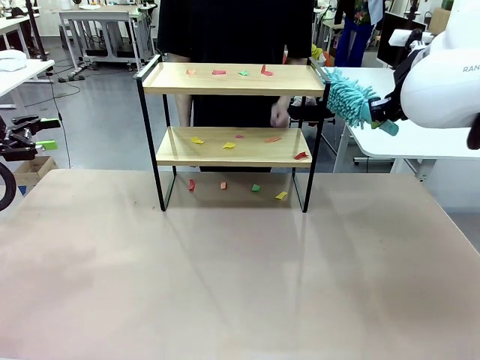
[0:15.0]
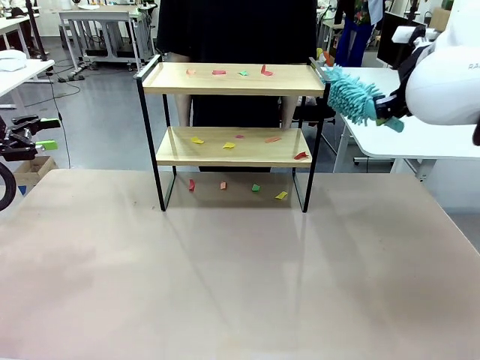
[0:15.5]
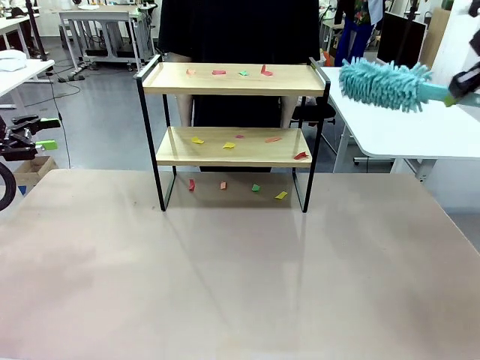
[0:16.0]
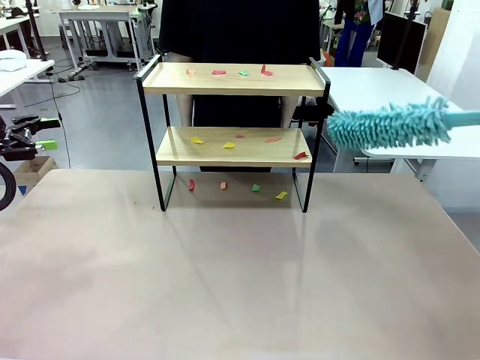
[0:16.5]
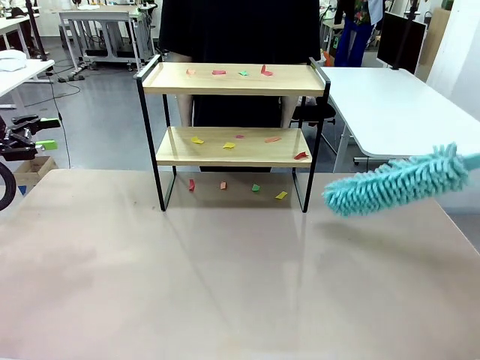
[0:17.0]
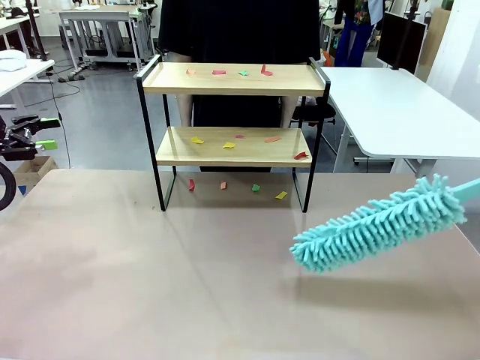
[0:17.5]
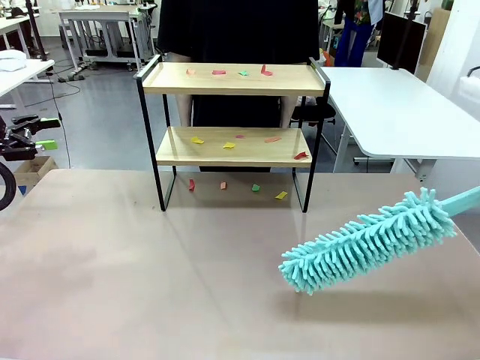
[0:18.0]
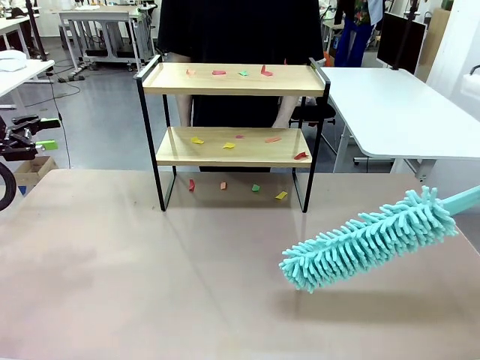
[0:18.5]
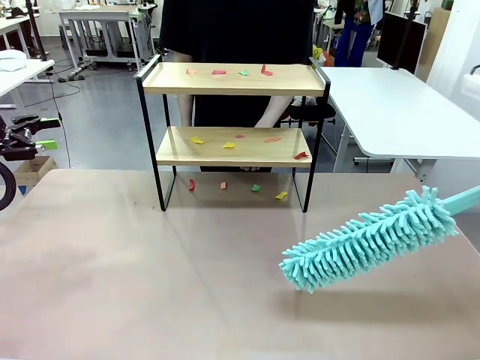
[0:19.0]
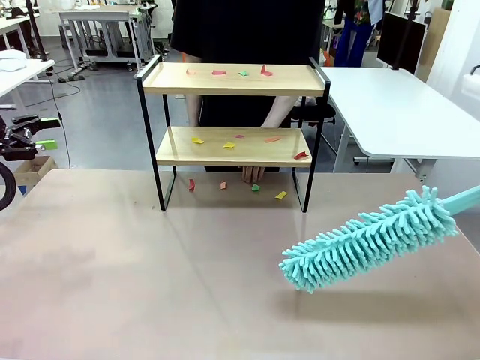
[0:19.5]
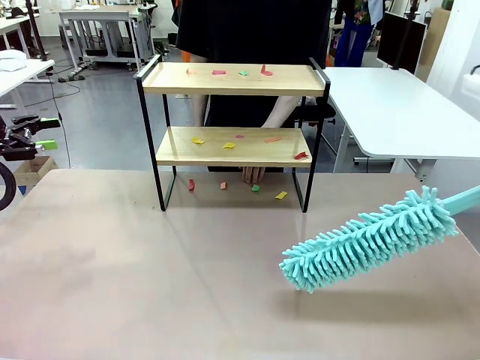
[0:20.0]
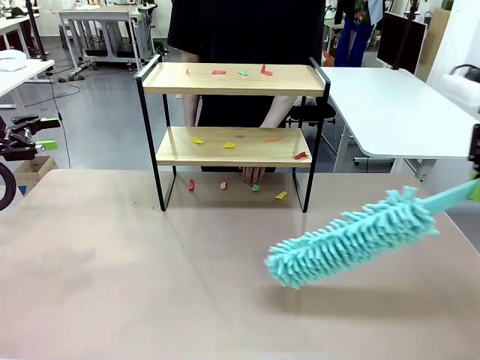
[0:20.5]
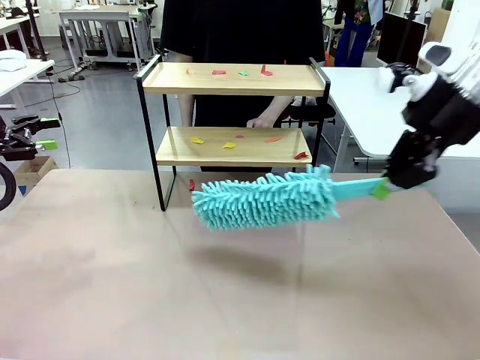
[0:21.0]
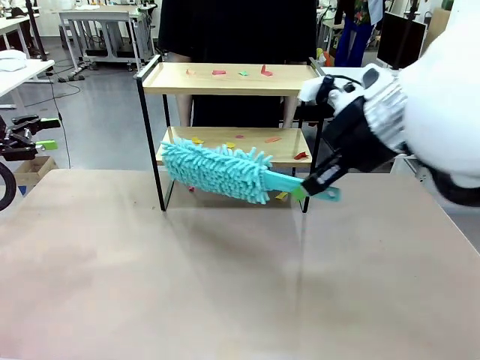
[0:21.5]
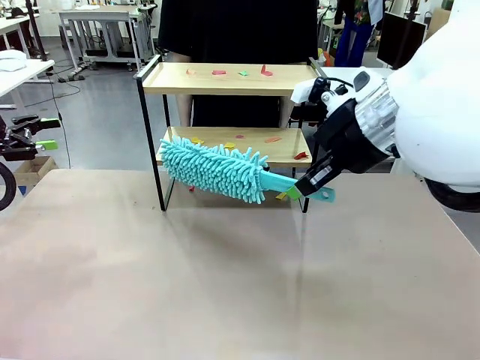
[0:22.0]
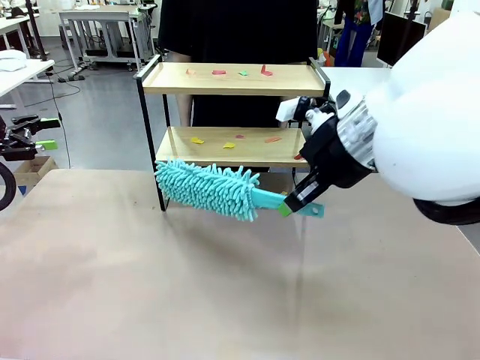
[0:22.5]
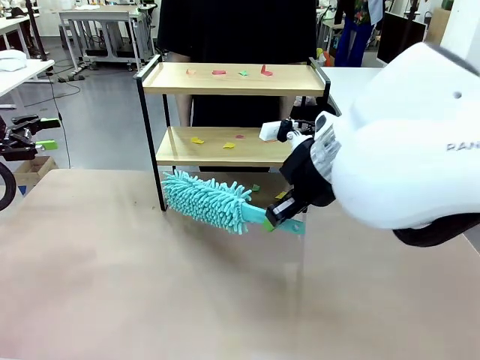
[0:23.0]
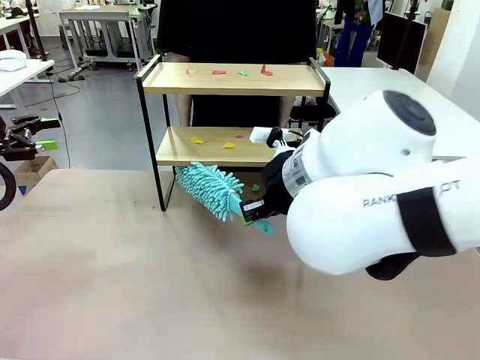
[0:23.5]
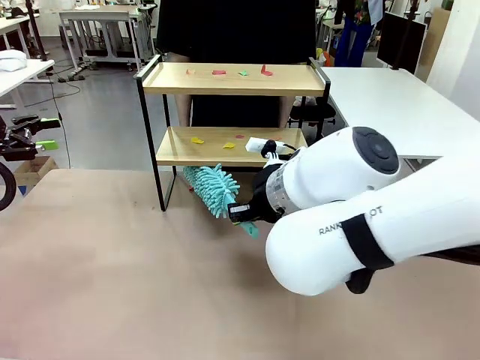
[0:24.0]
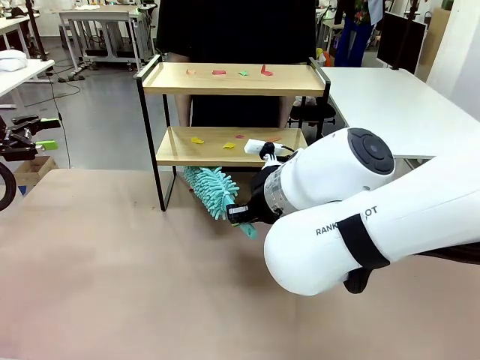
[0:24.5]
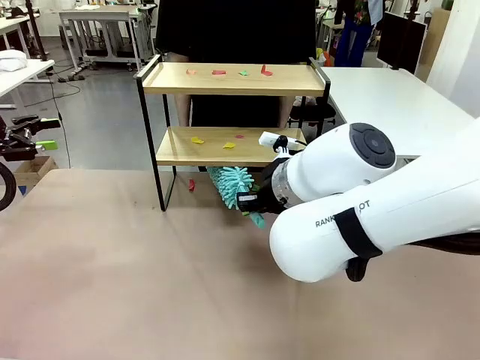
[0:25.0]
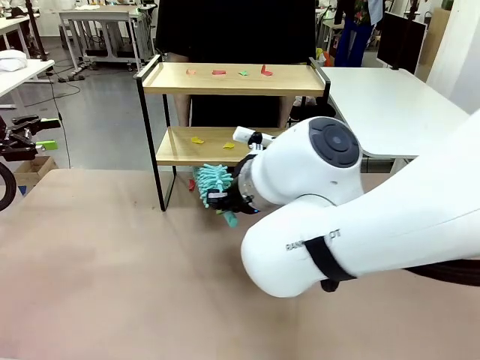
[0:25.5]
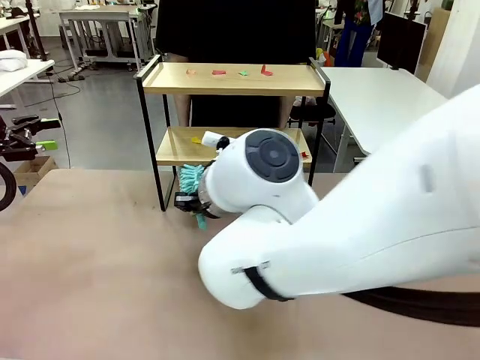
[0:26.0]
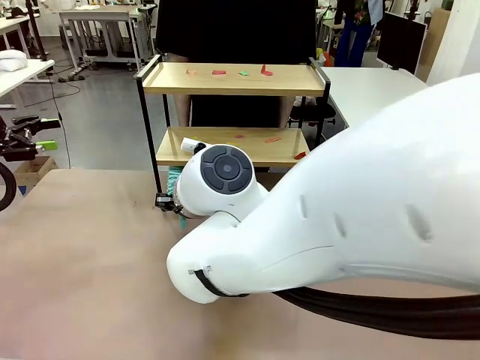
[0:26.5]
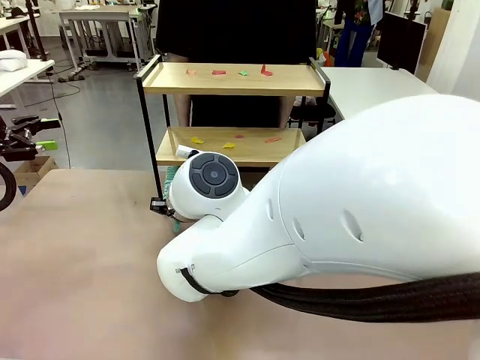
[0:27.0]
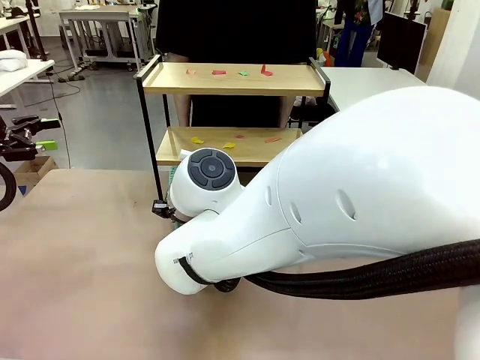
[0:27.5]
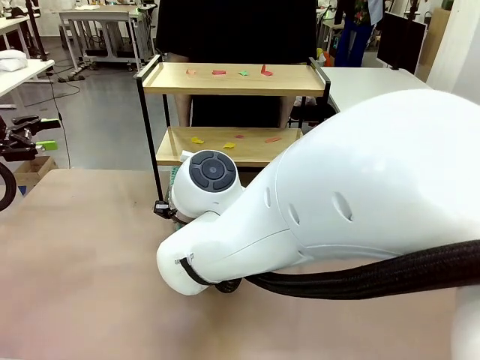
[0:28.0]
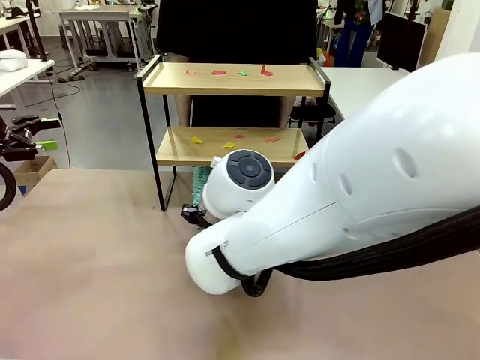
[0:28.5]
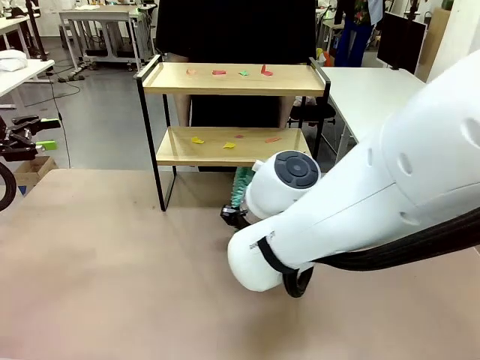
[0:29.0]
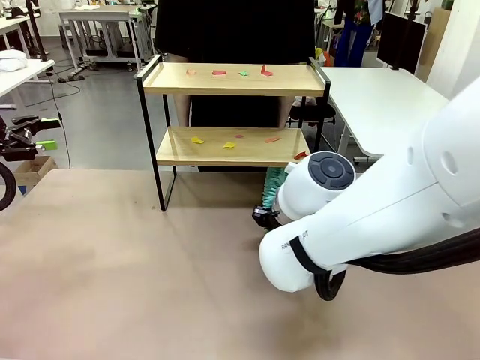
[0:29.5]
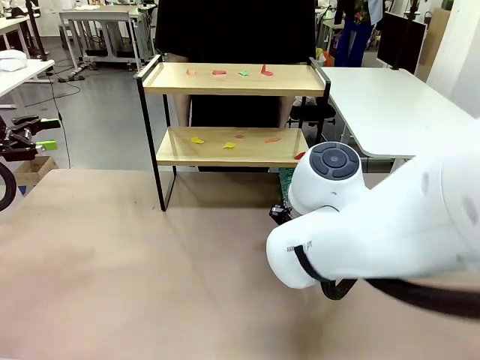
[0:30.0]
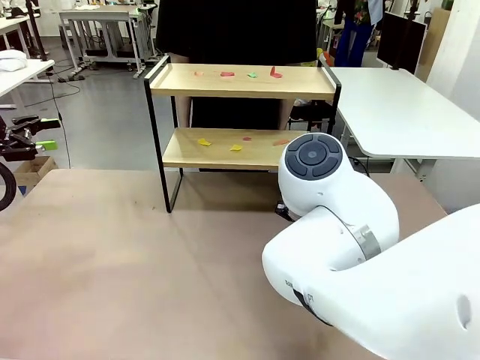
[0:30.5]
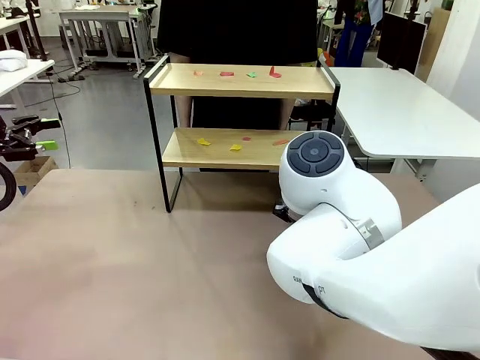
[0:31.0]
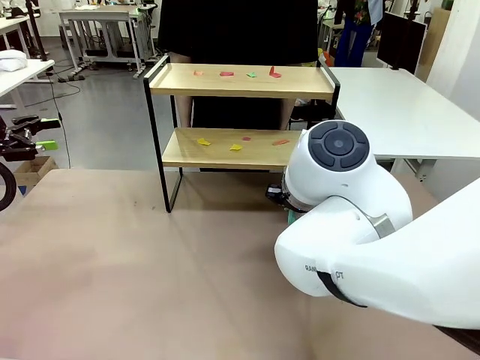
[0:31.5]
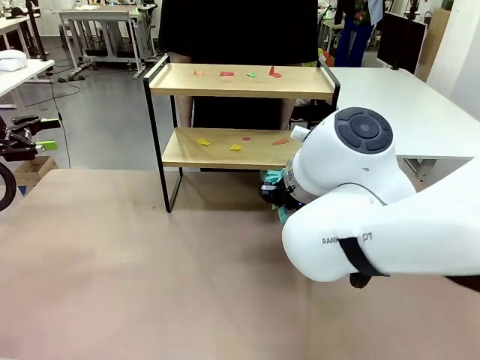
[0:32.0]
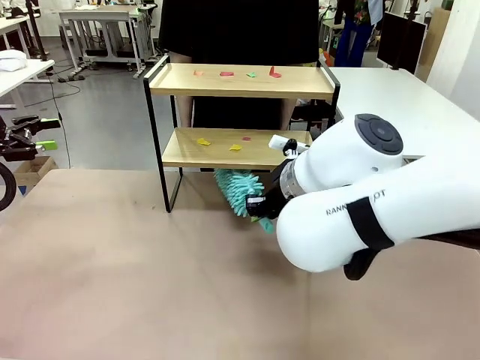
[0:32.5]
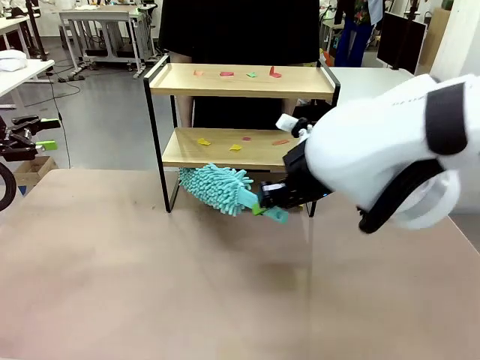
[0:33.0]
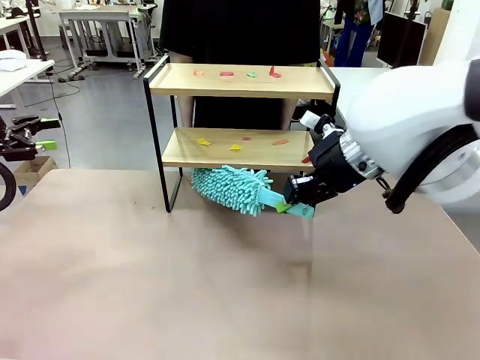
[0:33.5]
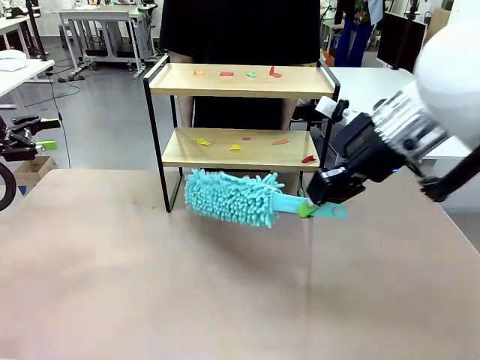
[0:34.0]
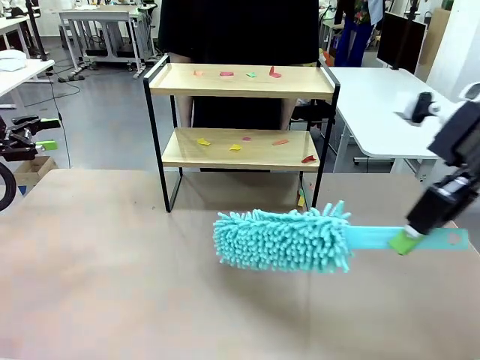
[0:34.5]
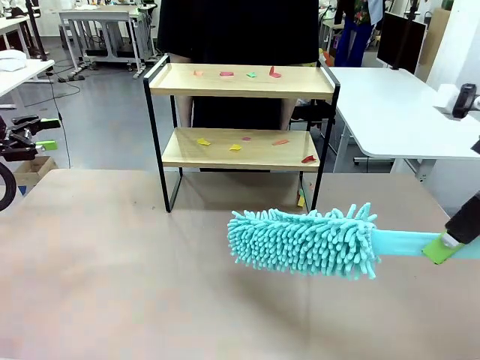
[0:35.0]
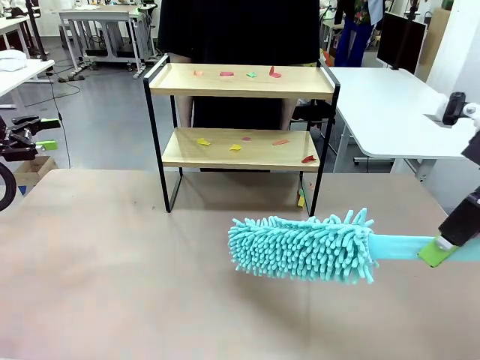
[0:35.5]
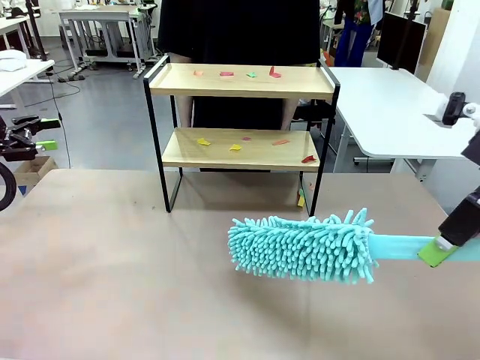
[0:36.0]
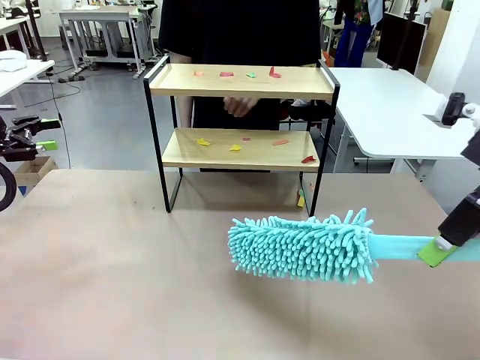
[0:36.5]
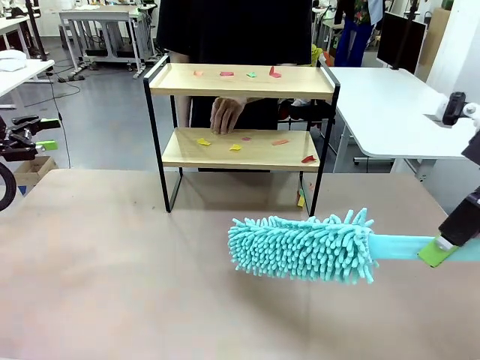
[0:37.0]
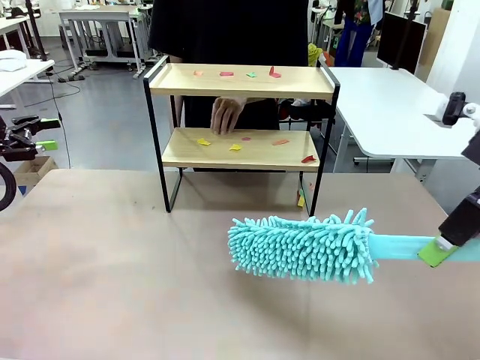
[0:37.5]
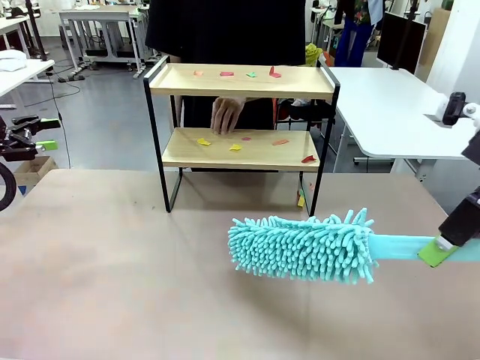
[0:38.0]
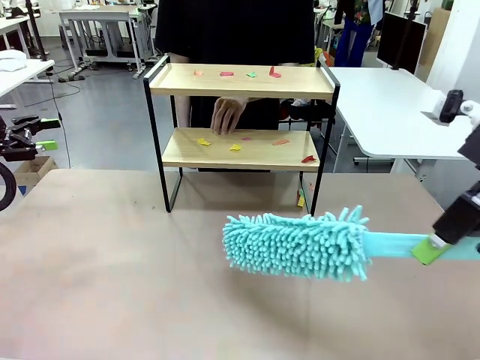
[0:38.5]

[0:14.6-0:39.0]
Task: Clean the shelf.
Robot: Clean the specific section of the Shelf indicated by the human with the Duster.
Person: Point a random section of the Shelf.
